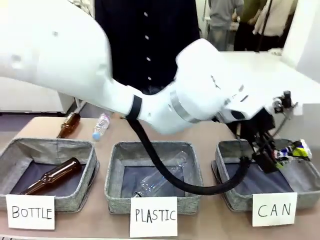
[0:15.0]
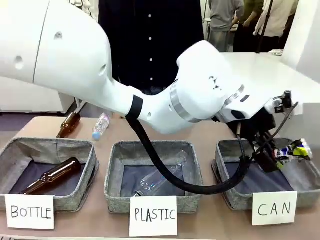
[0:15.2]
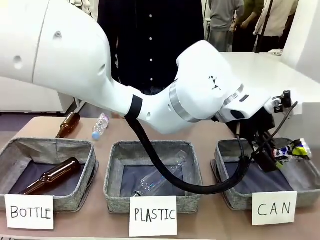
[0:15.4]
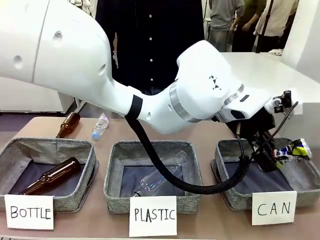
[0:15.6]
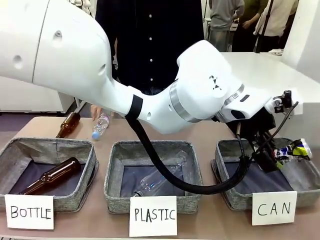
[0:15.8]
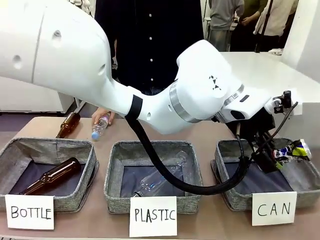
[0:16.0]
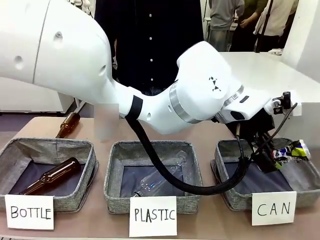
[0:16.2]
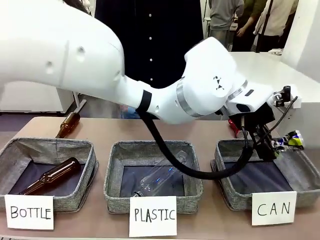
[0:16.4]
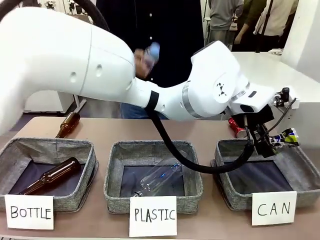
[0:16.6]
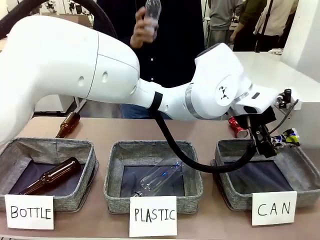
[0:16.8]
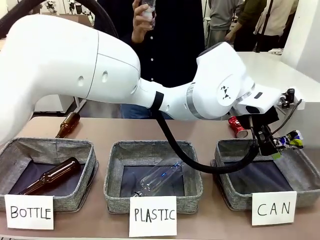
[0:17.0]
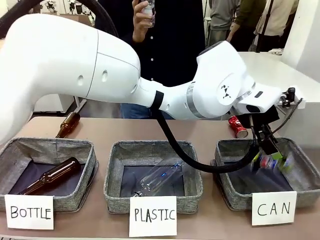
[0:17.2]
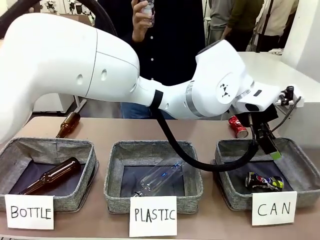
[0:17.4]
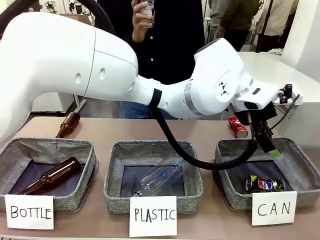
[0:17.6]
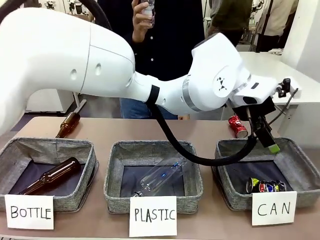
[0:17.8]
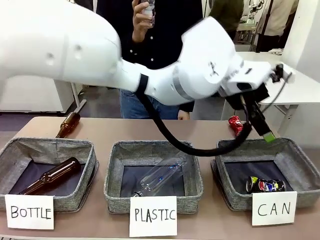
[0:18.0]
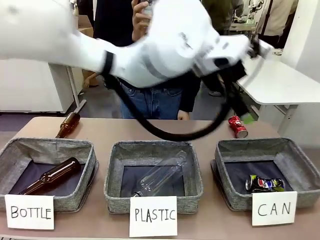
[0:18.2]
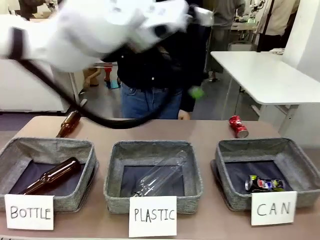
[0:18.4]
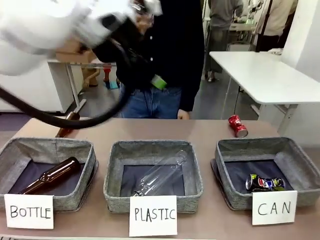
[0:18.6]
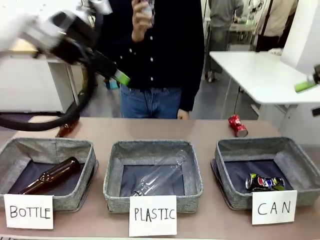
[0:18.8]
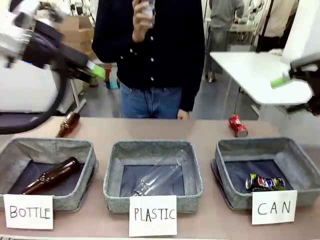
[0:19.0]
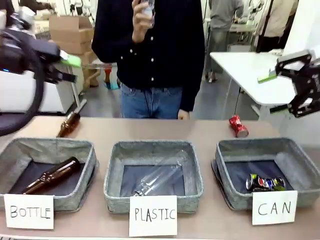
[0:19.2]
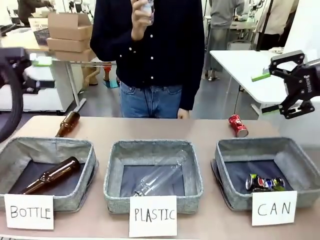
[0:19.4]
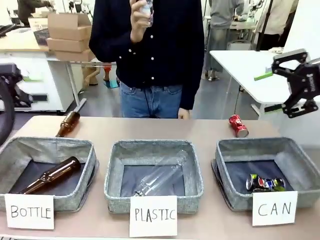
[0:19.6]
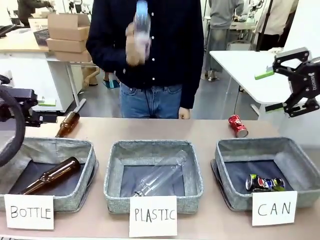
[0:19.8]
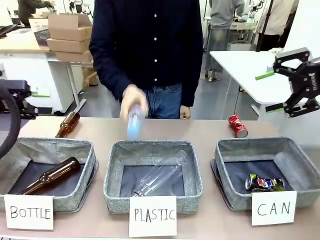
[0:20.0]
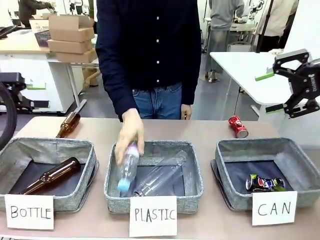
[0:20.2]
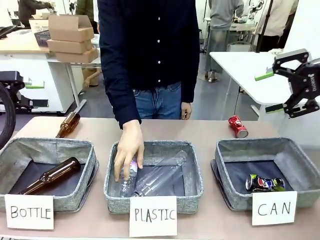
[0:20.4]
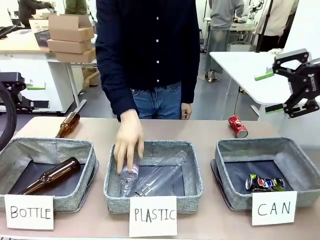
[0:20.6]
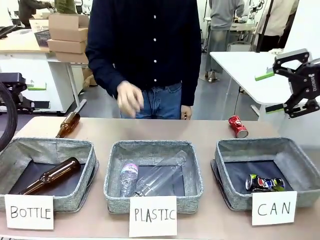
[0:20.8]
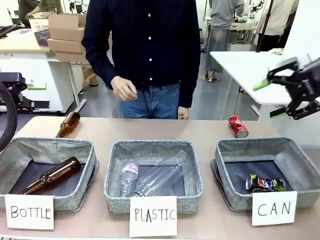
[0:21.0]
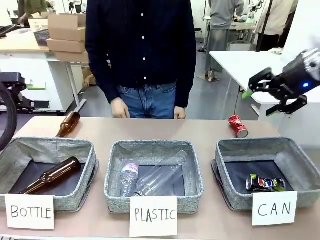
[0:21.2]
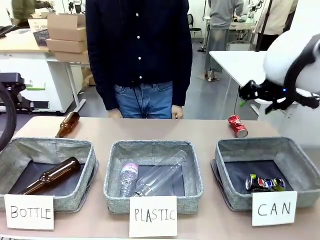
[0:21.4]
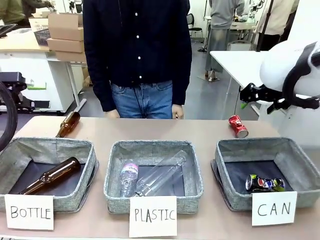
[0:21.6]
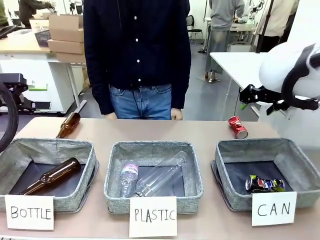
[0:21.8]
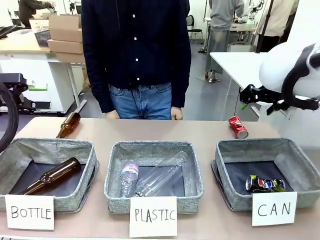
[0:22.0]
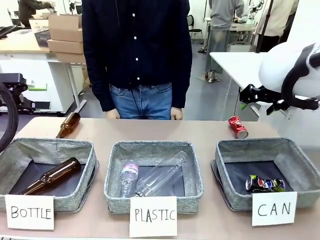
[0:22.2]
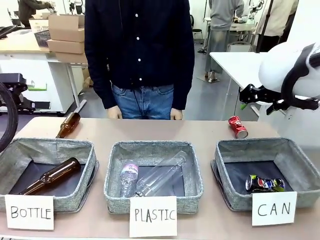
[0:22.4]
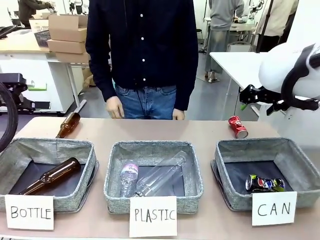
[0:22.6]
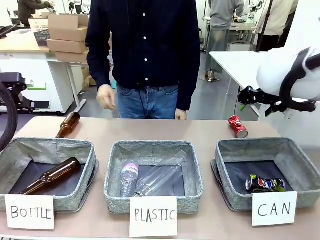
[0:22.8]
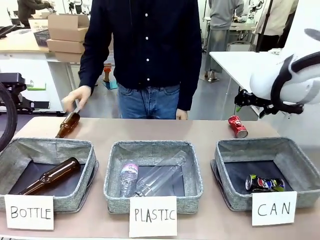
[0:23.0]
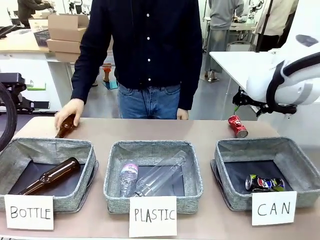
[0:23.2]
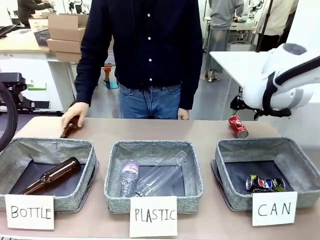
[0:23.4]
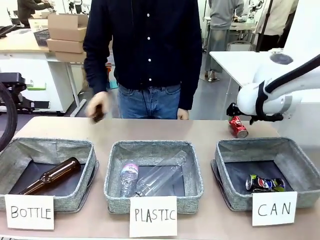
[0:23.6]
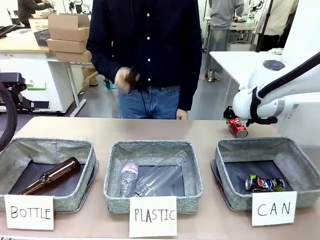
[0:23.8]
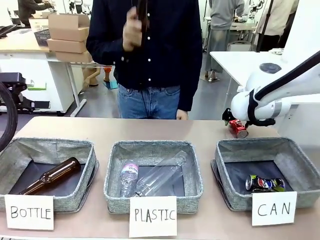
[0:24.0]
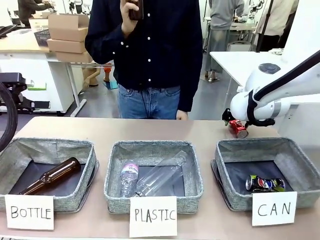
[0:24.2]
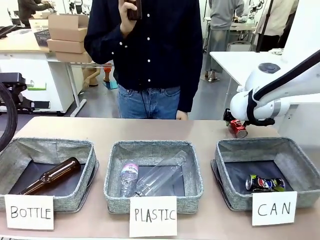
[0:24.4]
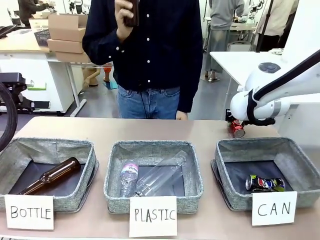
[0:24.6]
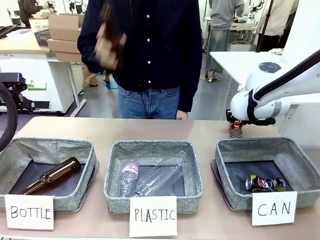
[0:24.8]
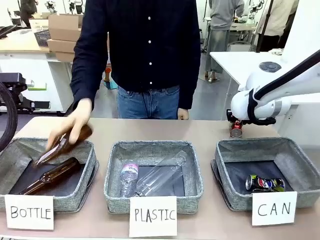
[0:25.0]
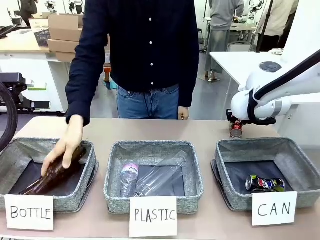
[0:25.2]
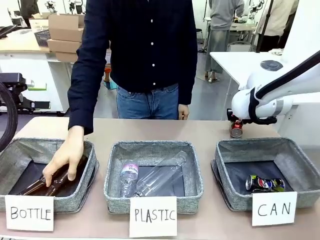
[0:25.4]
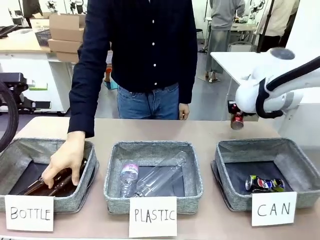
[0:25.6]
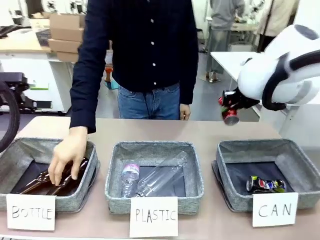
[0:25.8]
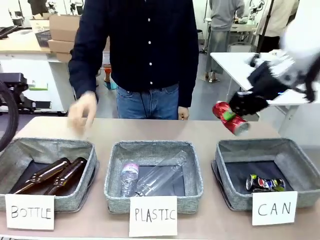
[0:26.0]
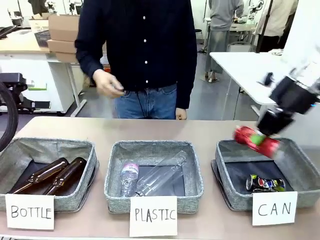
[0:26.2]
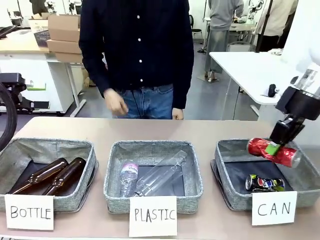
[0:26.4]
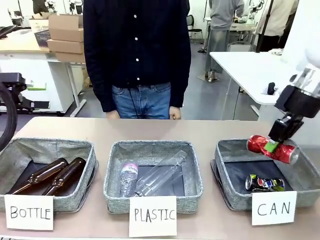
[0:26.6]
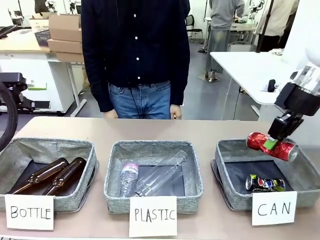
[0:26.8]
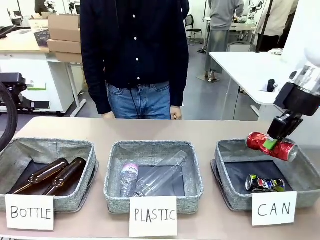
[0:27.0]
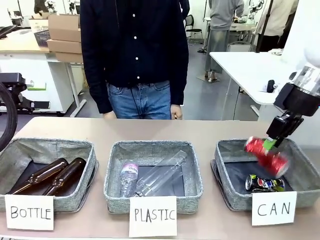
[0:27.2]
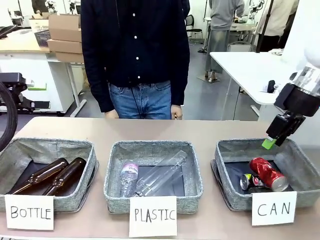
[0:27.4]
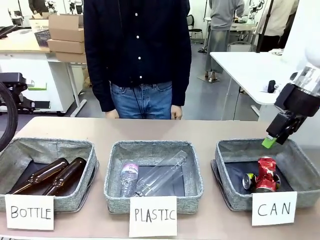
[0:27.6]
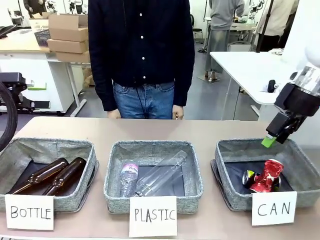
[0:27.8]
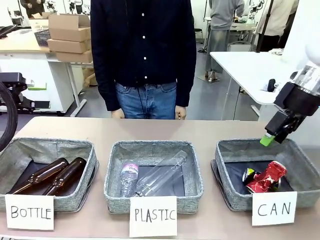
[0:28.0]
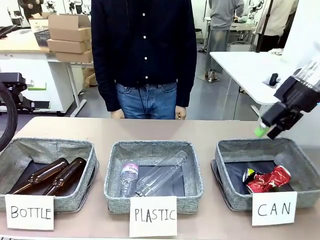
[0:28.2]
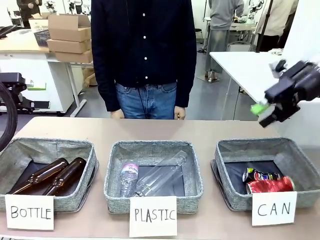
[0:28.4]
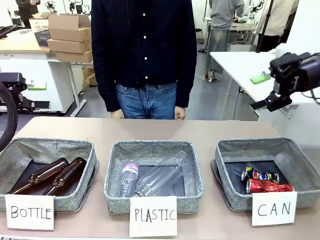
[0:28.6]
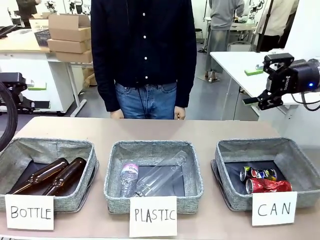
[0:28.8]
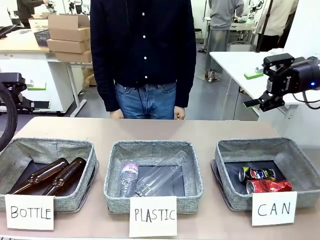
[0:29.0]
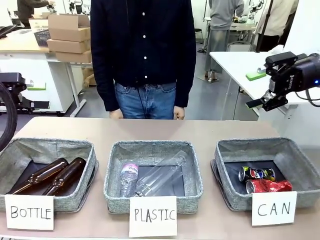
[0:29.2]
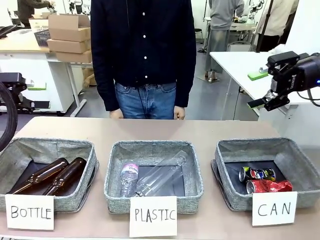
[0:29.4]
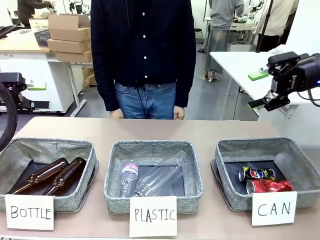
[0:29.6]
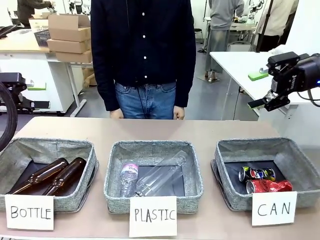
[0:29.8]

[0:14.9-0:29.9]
Task: Sort the can waste into the basket.
Robot: Pick up the can waste from the table and place it in the right Fabric basket.
Person: The human picks up one piece of trash that is not a can and places the trash into the appropriate organizing basket.
